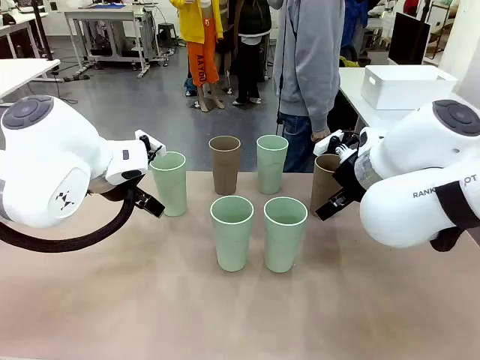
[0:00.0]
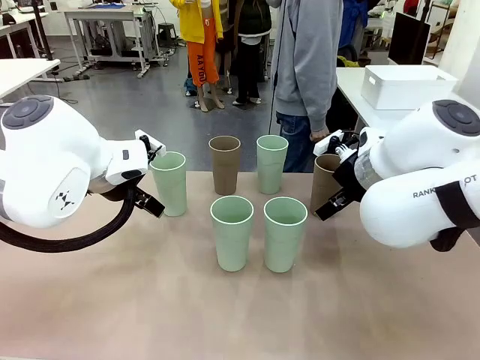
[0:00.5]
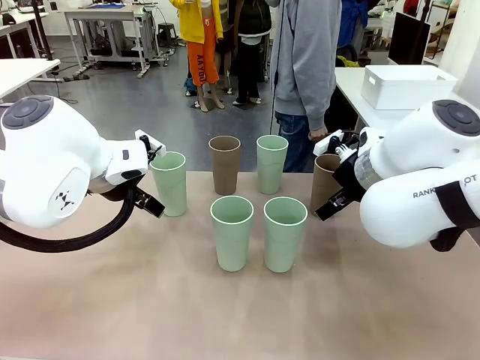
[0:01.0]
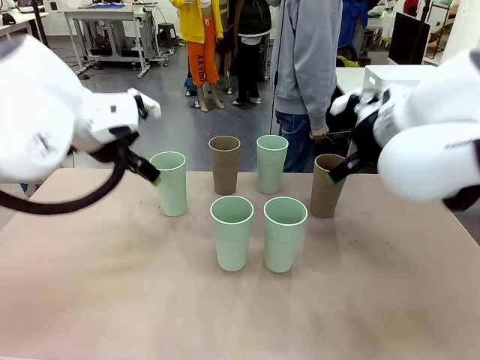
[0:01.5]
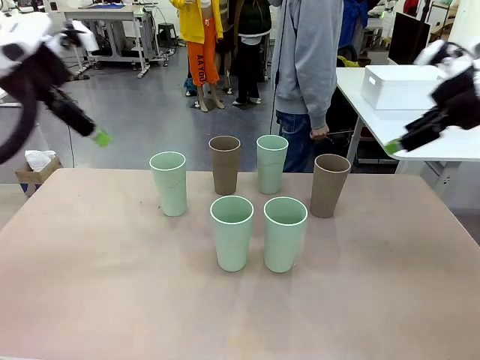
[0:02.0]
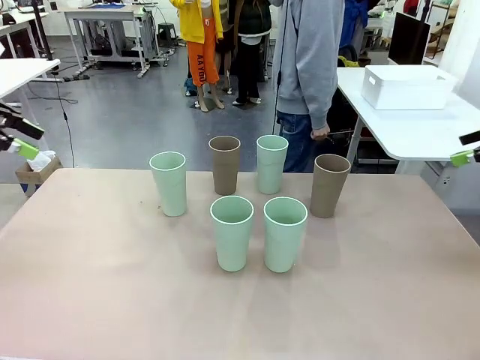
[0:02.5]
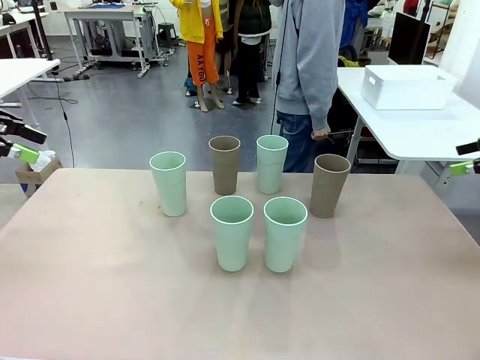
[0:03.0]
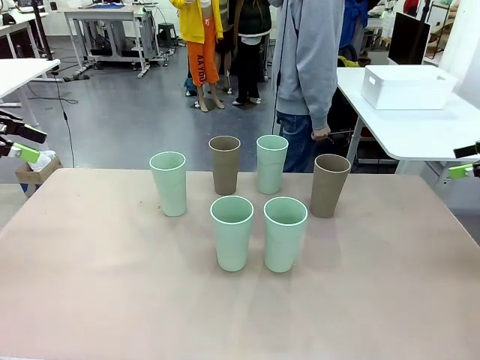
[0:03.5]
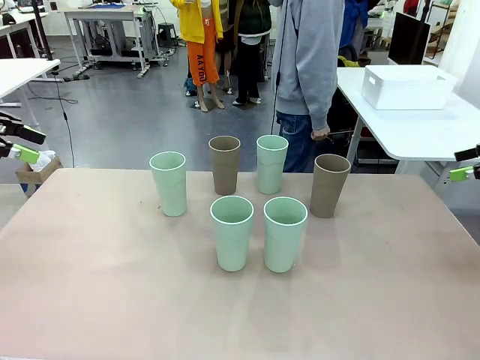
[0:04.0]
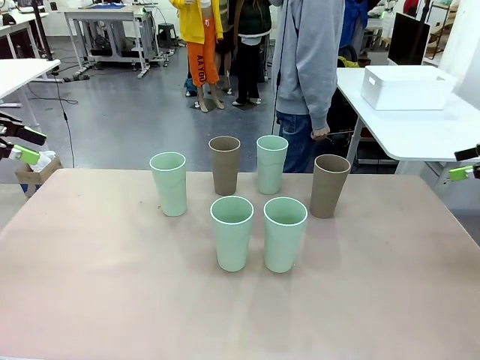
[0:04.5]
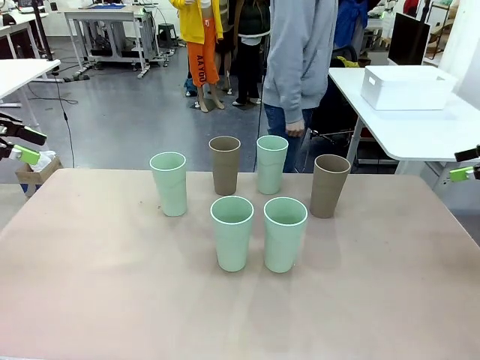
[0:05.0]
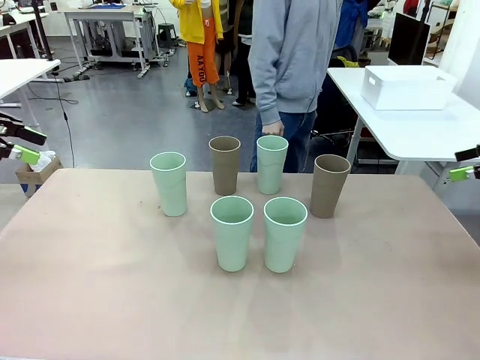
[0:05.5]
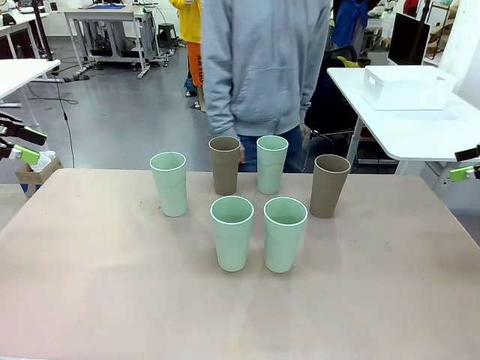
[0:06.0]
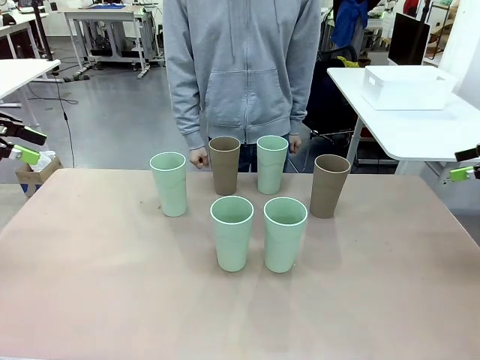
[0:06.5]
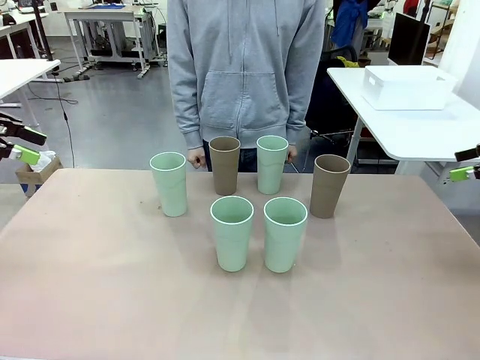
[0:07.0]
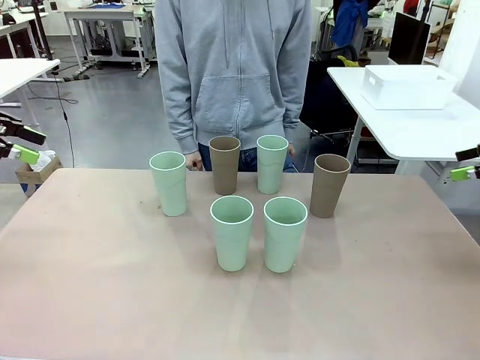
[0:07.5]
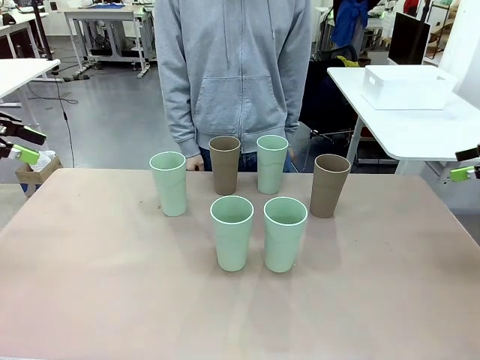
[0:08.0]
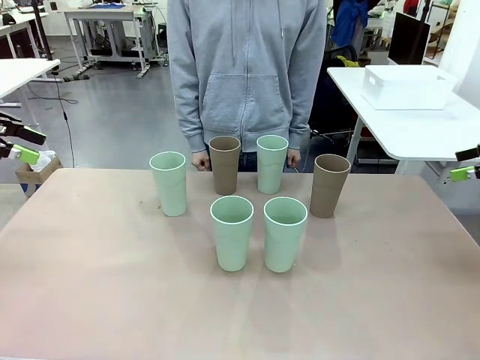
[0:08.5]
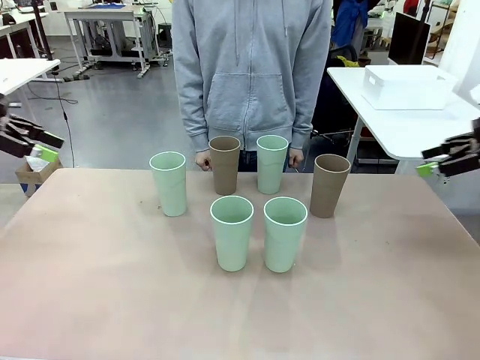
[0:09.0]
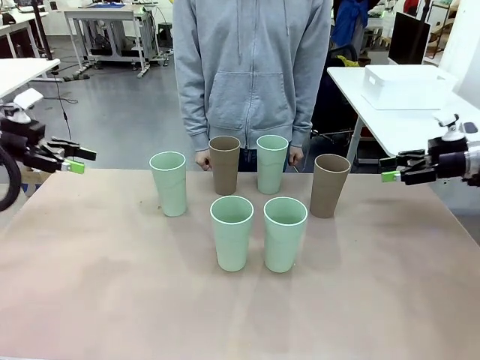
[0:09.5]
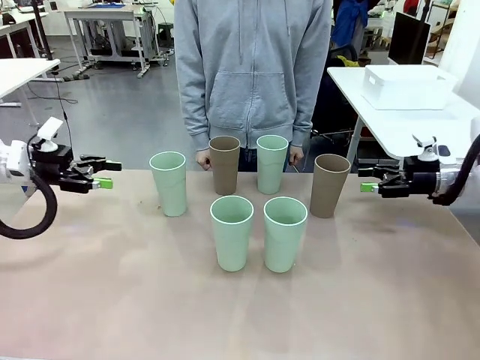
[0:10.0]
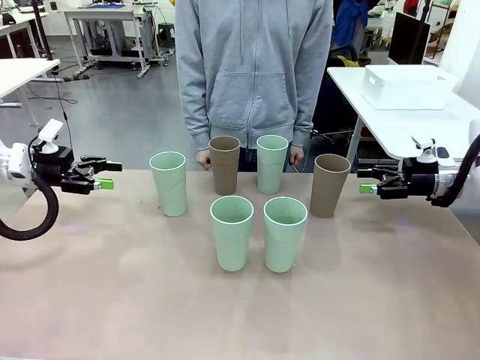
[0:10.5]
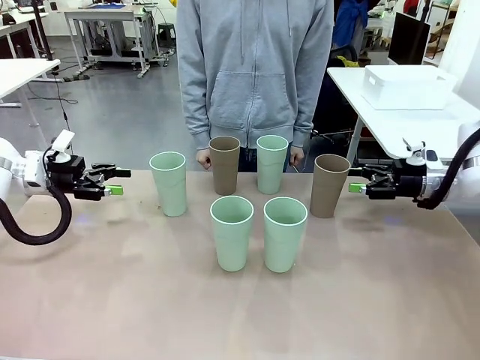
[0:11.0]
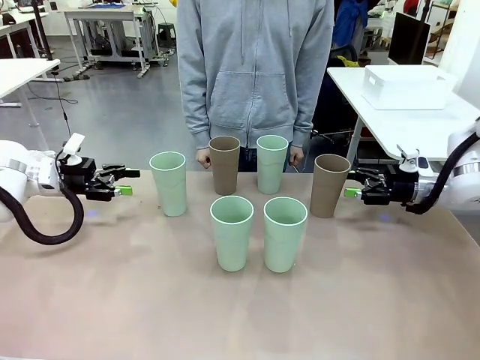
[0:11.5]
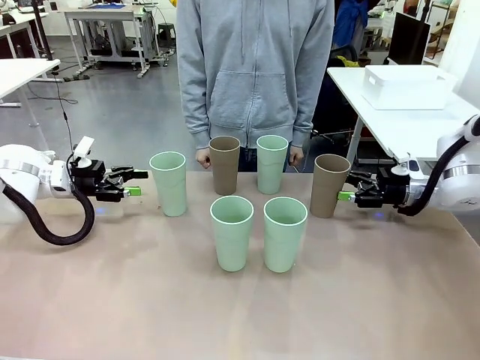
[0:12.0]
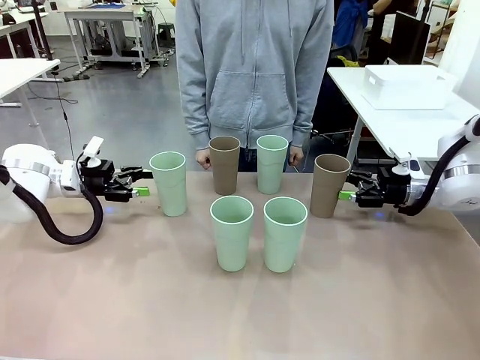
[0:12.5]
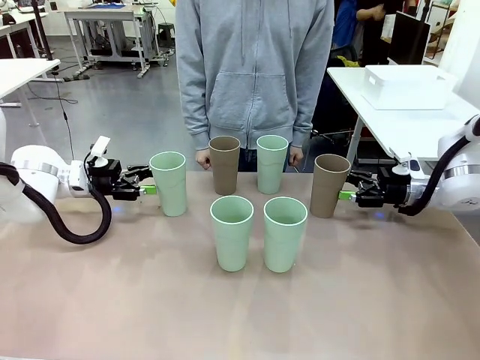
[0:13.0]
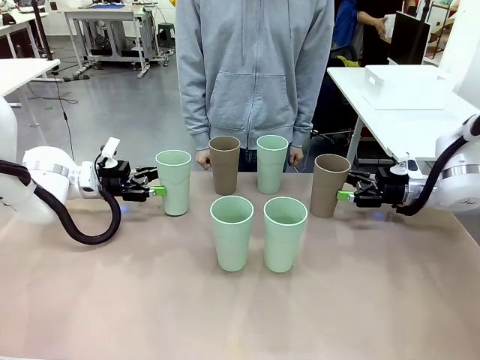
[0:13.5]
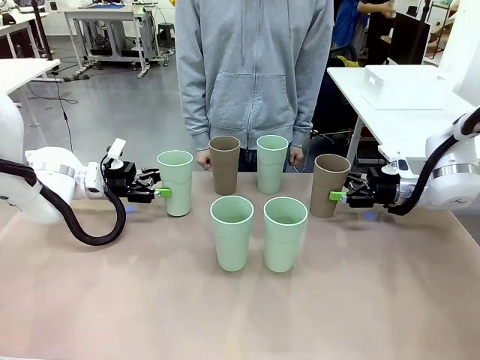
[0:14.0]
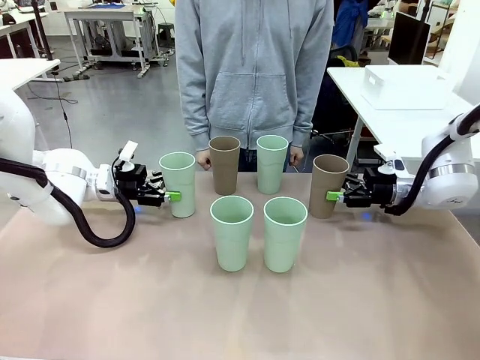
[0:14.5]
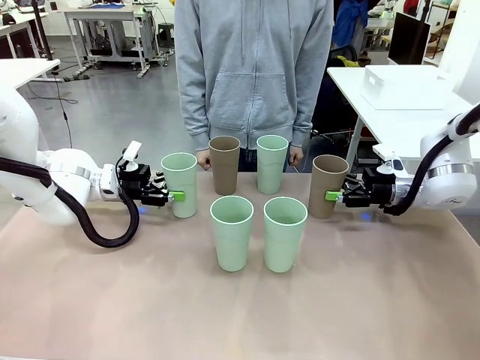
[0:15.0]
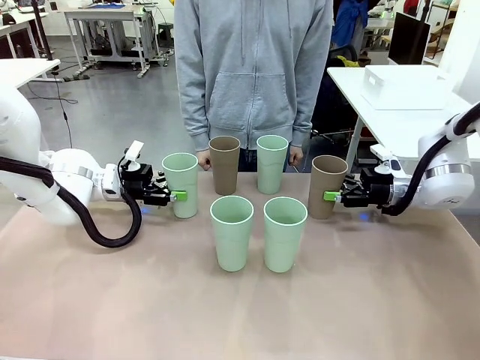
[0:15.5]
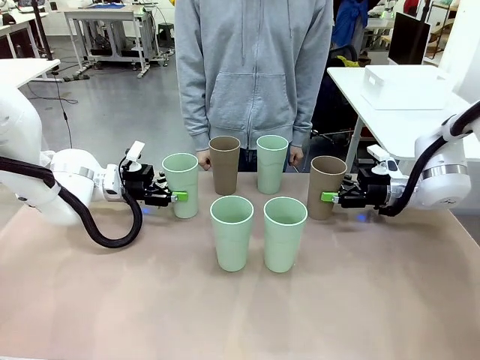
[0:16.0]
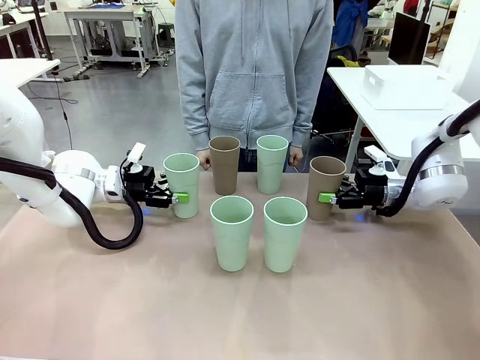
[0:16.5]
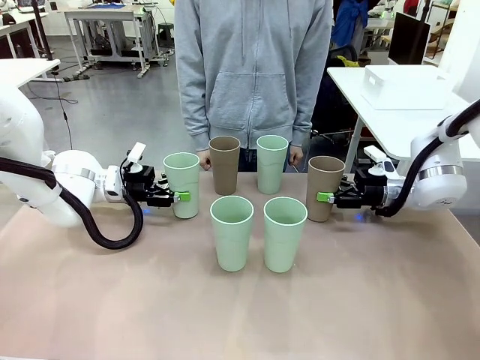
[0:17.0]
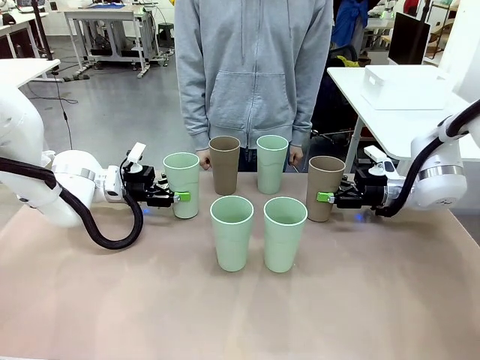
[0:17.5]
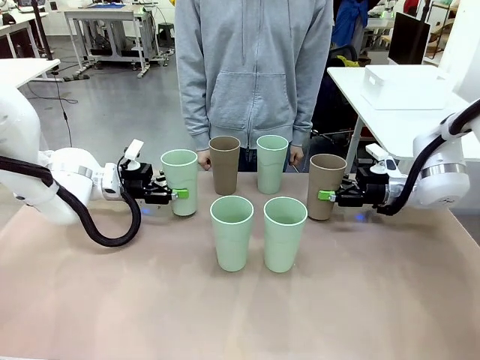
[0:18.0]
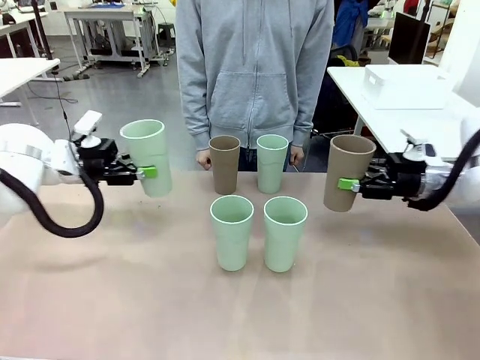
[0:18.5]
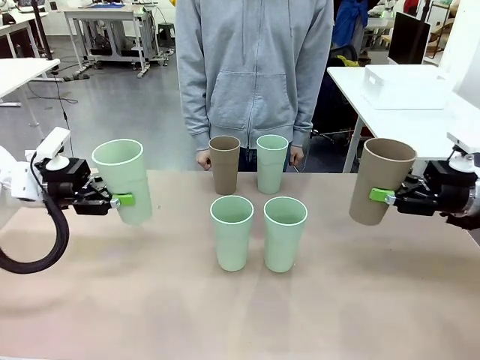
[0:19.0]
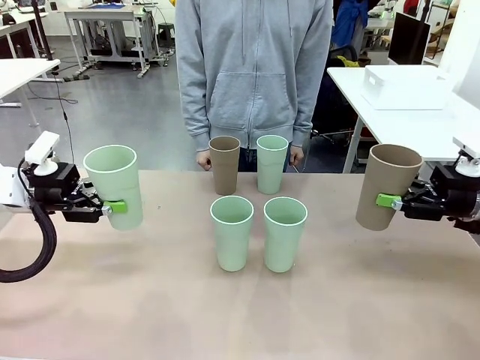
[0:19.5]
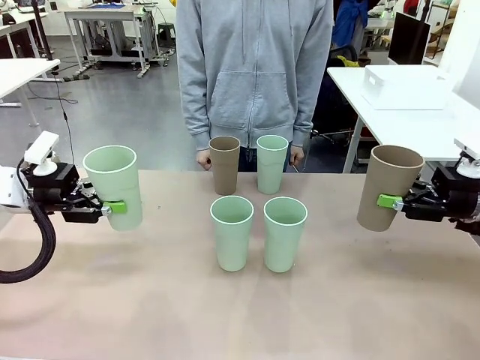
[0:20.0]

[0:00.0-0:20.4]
Task: Stack the cups and store them in the basket.
Robot: Pick up two Reusable plastic cups , one in each hand.
Person: Move from the Human Table to the front of the Robot Table. Stack two of the remaining cups on top of each cup held by the robot.
